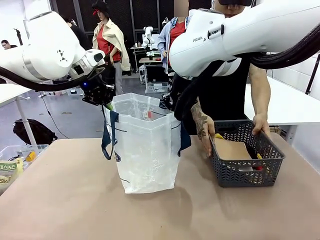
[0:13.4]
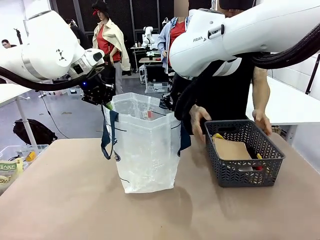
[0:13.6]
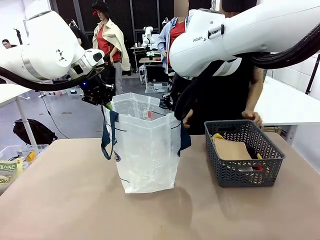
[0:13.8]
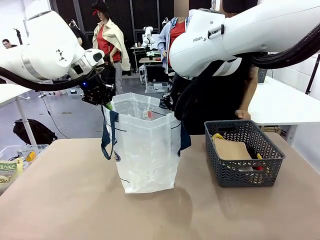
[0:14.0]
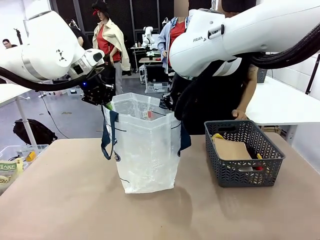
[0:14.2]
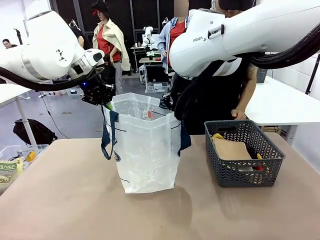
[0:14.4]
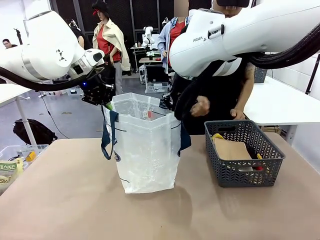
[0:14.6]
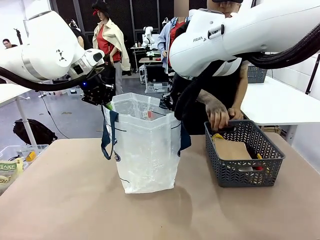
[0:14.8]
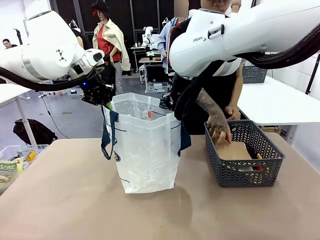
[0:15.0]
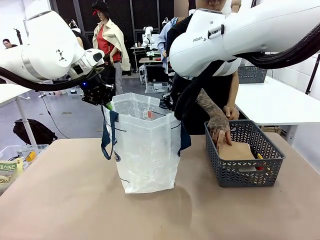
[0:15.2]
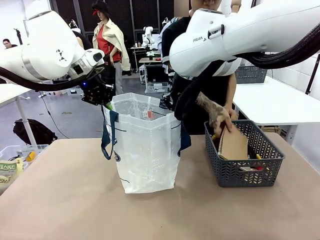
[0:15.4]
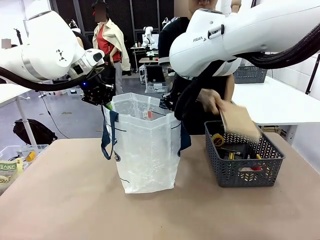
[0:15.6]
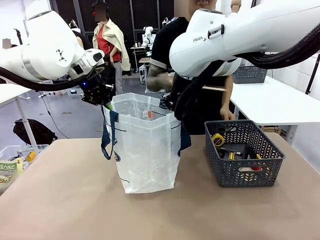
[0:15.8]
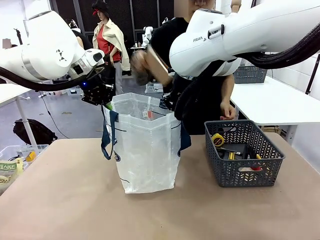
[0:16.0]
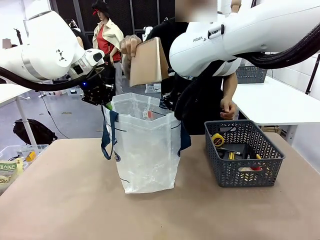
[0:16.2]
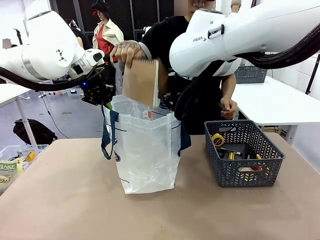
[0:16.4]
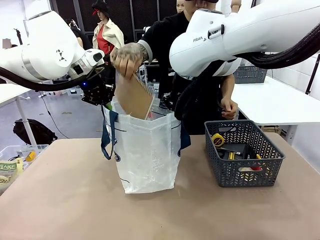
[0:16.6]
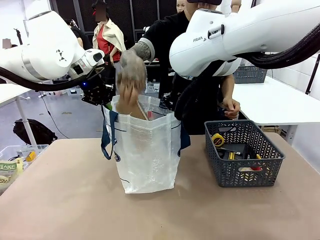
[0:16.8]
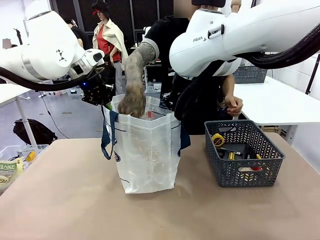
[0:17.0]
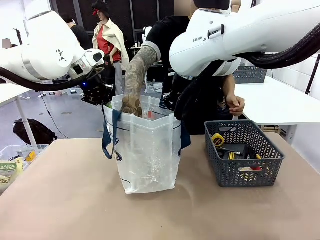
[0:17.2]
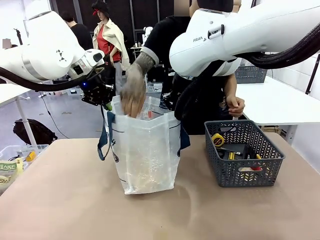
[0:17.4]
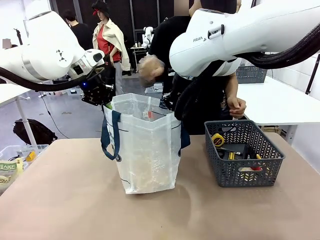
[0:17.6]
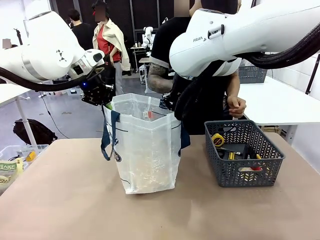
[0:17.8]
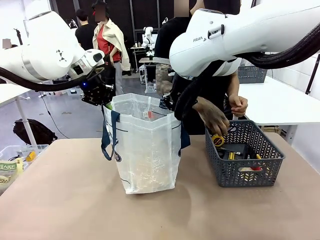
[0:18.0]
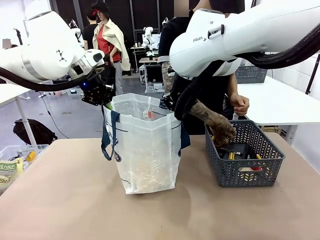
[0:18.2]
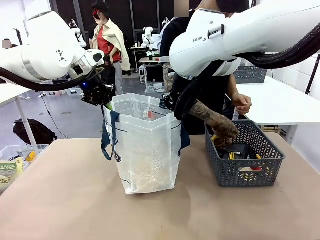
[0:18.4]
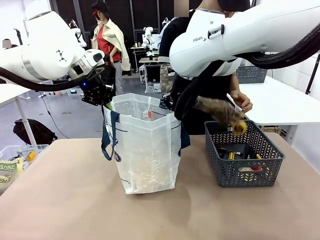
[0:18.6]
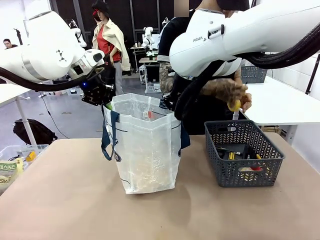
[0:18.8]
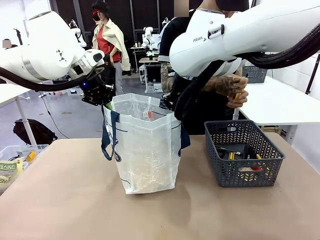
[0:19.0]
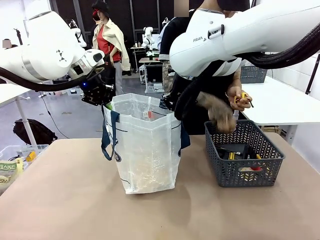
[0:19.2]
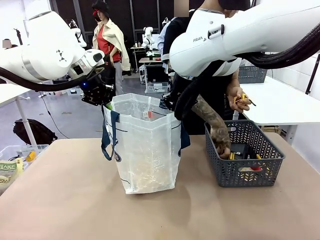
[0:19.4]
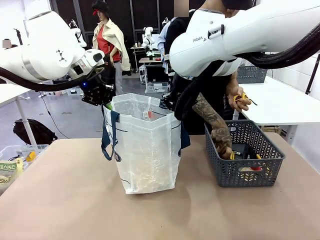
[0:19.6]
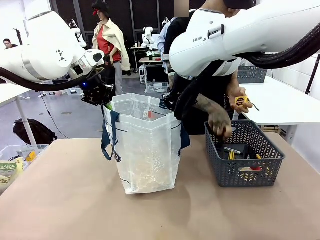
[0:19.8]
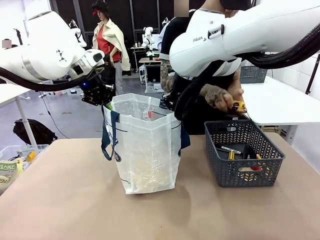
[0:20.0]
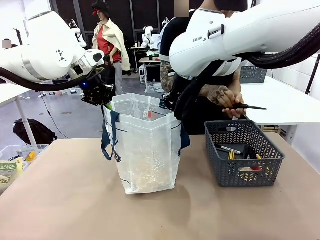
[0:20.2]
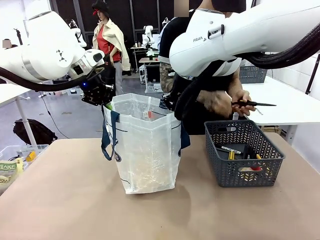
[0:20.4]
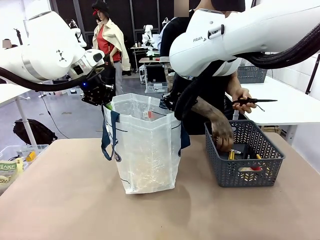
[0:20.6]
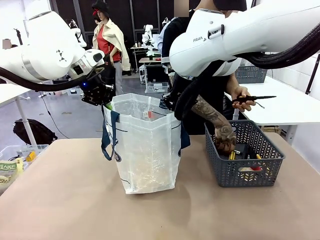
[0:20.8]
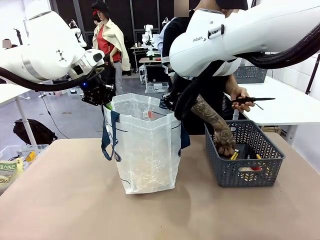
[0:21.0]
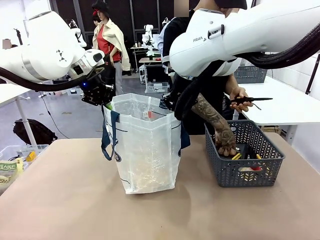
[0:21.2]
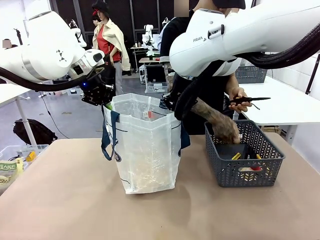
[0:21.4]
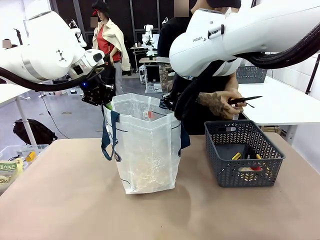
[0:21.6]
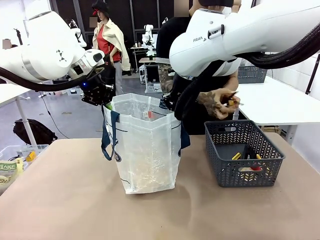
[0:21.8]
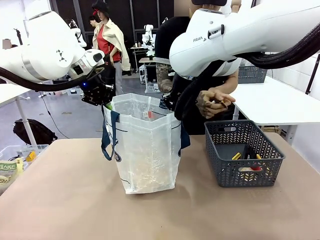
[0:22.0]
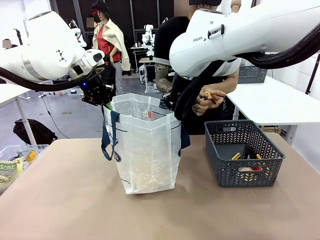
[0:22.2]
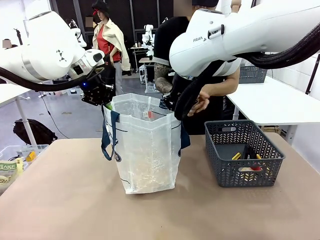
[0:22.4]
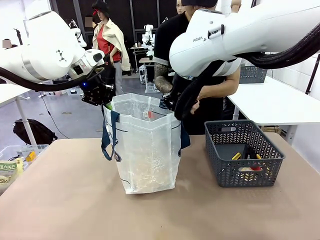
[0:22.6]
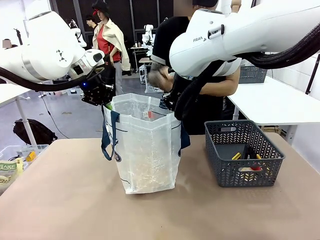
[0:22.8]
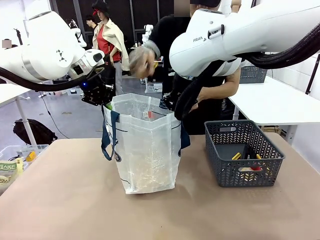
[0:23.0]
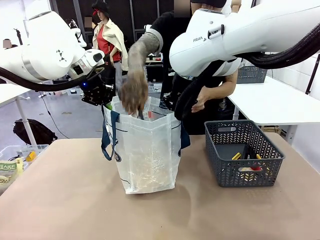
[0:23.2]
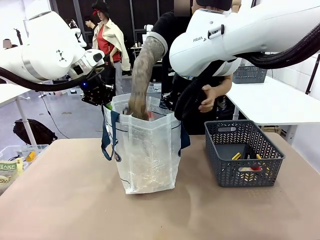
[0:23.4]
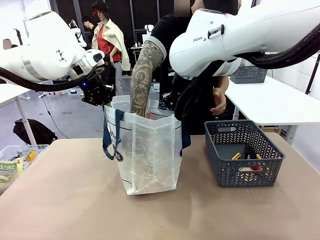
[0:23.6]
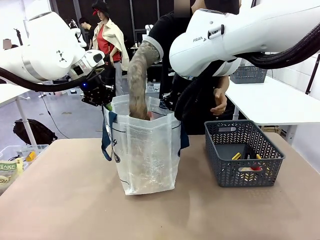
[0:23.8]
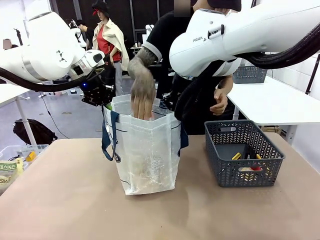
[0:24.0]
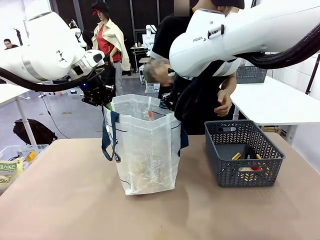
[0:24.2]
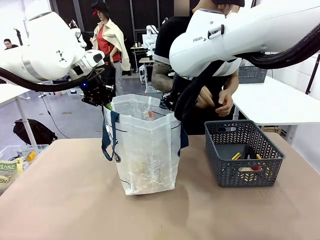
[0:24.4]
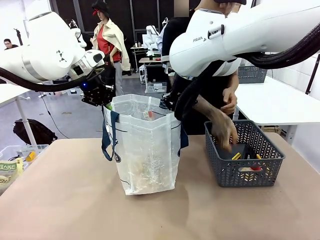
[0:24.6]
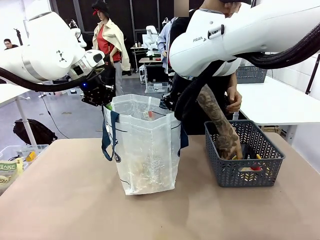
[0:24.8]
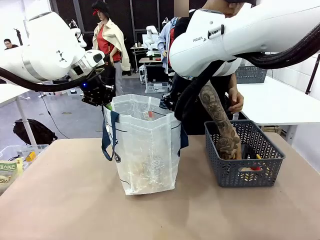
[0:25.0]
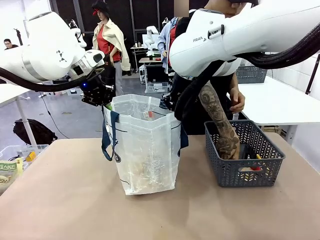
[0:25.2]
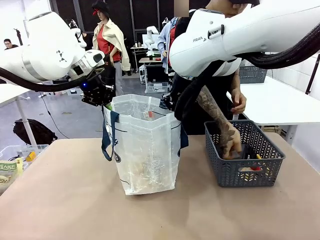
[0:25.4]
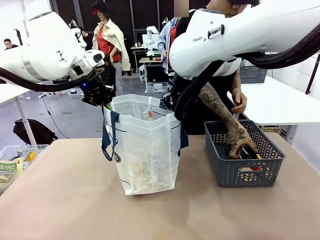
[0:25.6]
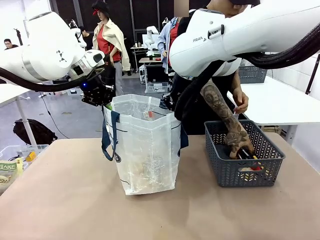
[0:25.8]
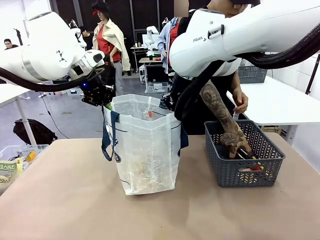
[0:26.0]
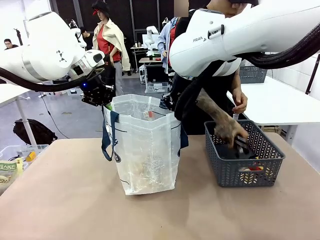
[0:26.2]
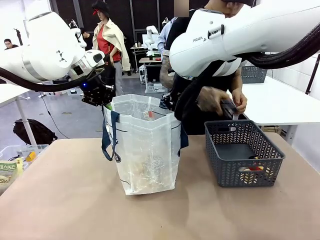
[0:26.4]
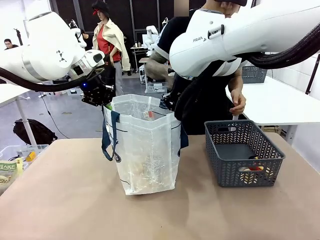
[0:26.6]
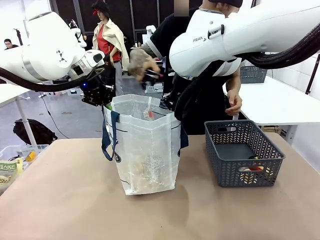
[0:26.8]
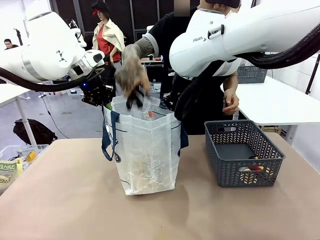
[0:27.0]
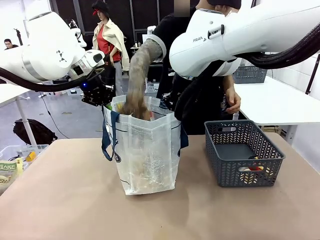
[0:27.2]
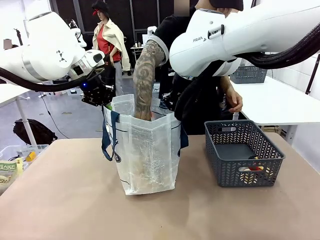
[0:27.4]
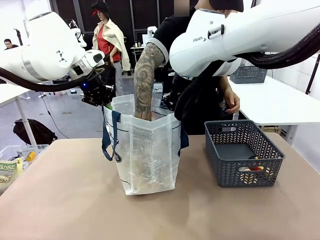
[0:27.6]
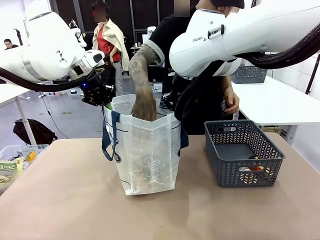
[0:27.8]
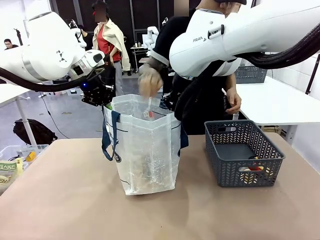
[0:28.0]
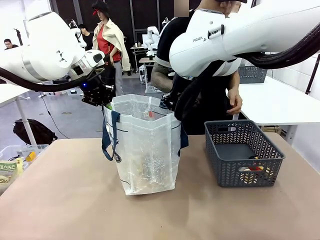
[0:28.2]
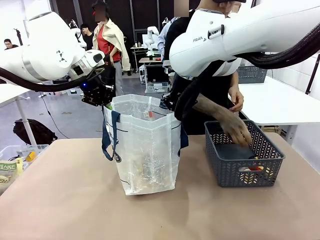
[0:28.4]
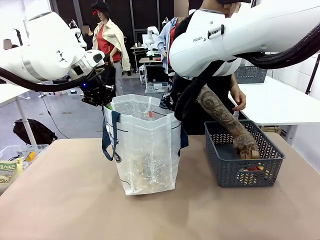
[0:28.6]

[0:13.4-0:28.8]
Task: Transfer purchased items from the store into the shopping bag.
Robot: Move the Reusable shopping bag to the right side of the table.
Person: Pick up the basket with the items out and place it on the right side of the human table.
